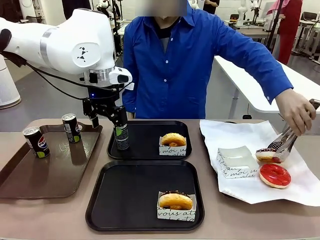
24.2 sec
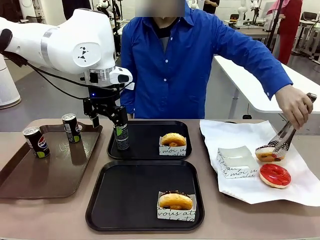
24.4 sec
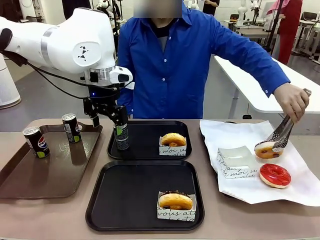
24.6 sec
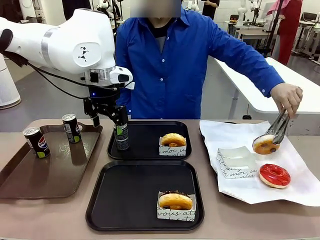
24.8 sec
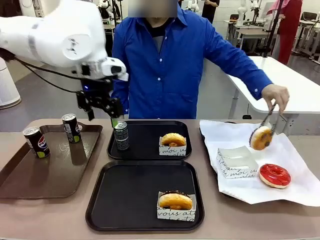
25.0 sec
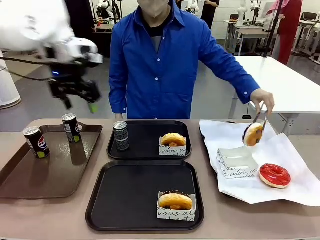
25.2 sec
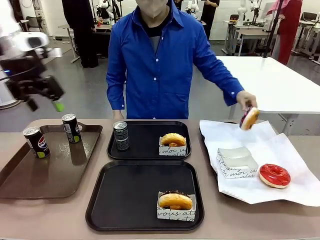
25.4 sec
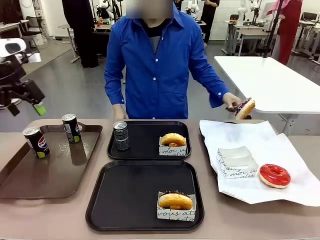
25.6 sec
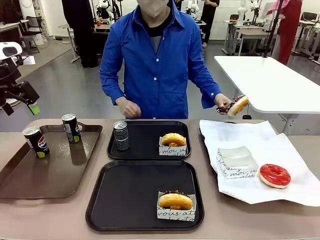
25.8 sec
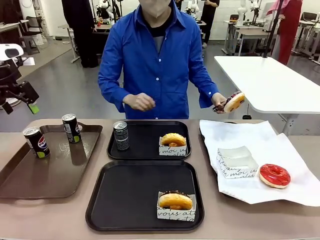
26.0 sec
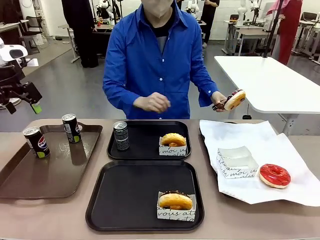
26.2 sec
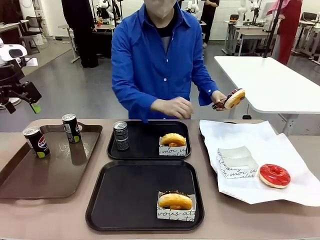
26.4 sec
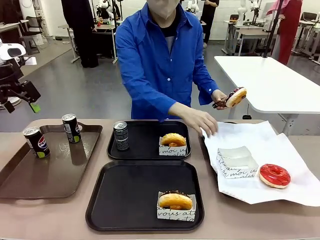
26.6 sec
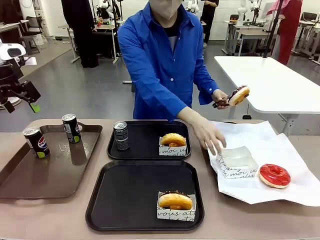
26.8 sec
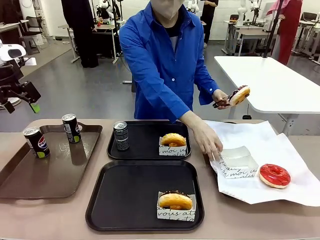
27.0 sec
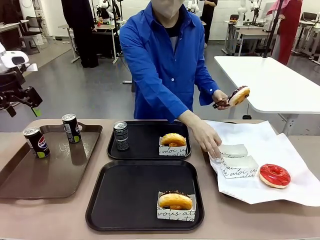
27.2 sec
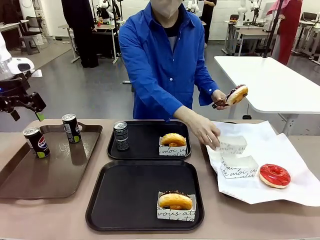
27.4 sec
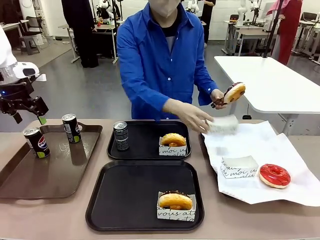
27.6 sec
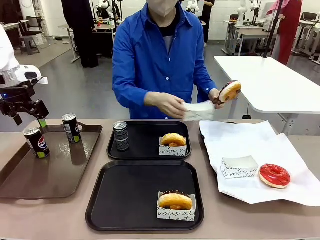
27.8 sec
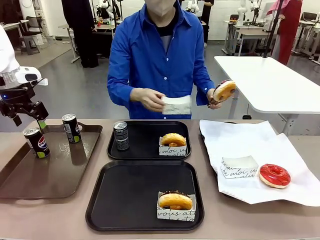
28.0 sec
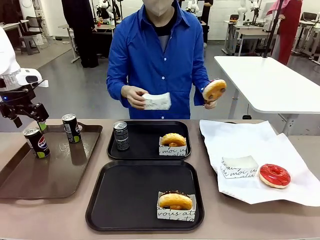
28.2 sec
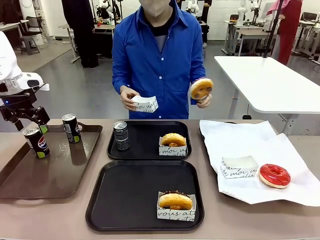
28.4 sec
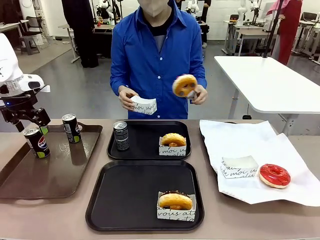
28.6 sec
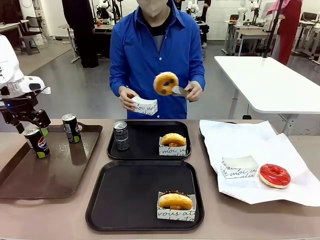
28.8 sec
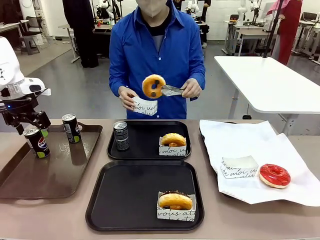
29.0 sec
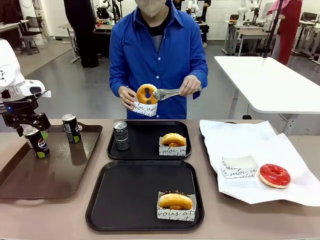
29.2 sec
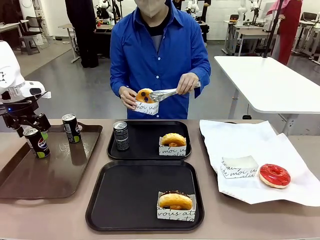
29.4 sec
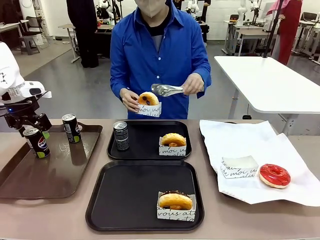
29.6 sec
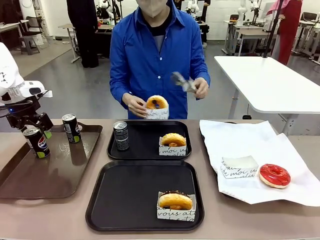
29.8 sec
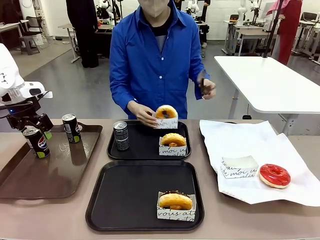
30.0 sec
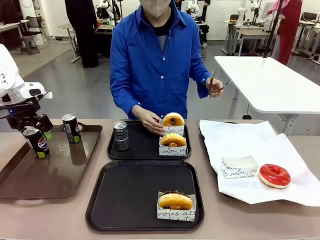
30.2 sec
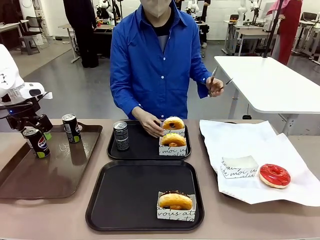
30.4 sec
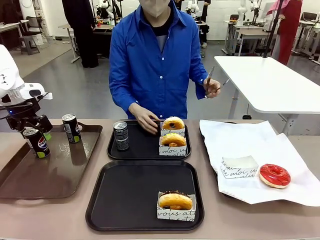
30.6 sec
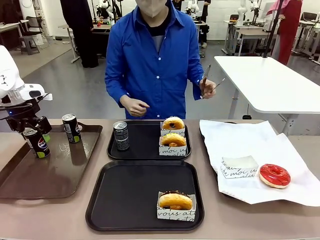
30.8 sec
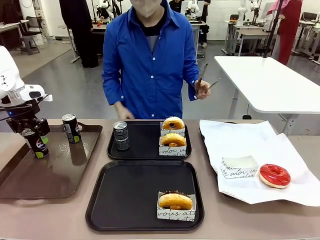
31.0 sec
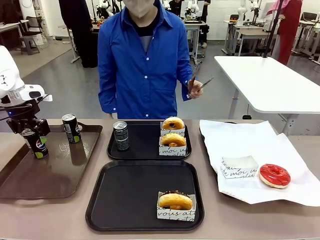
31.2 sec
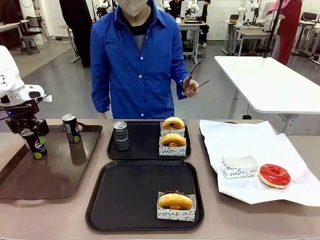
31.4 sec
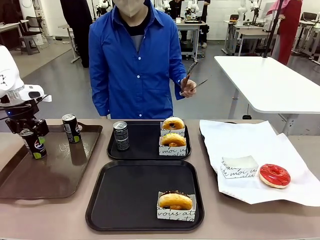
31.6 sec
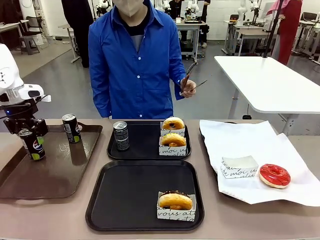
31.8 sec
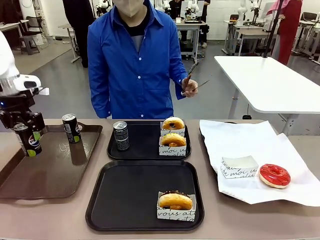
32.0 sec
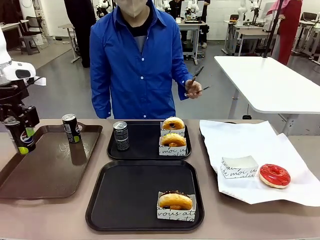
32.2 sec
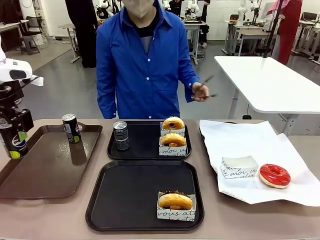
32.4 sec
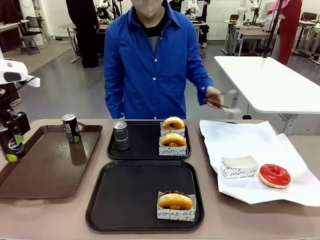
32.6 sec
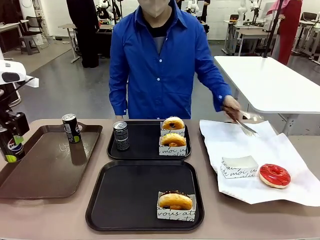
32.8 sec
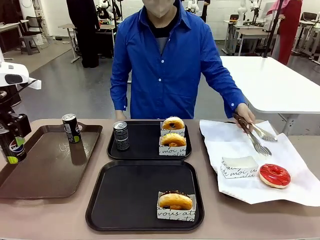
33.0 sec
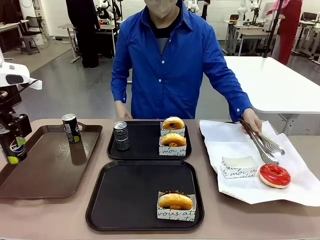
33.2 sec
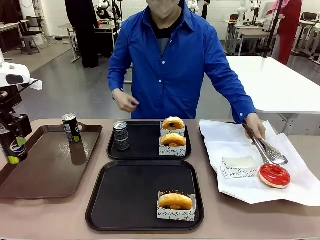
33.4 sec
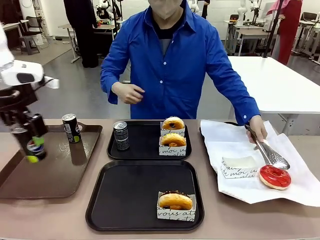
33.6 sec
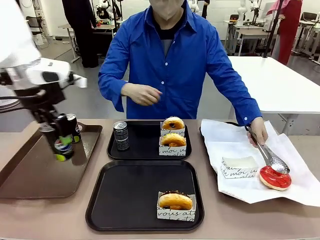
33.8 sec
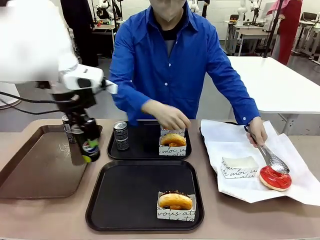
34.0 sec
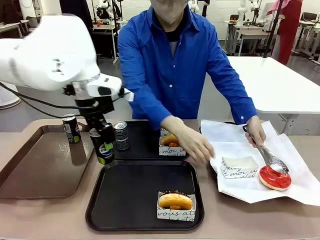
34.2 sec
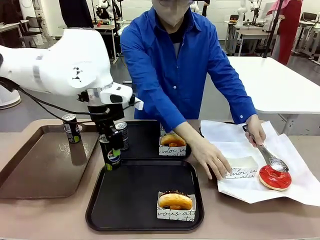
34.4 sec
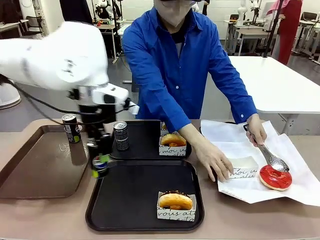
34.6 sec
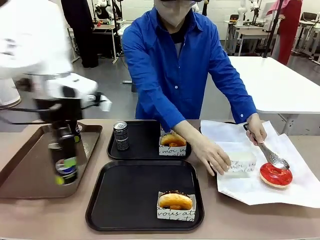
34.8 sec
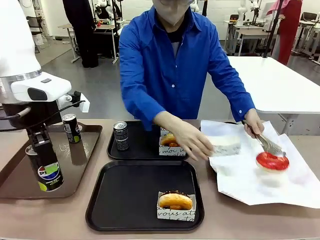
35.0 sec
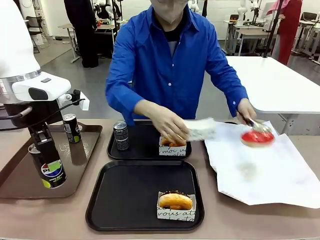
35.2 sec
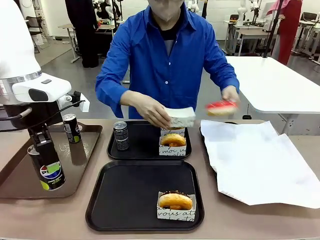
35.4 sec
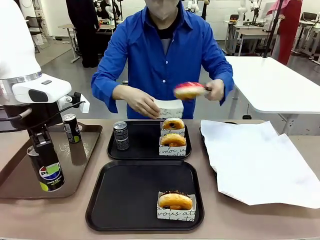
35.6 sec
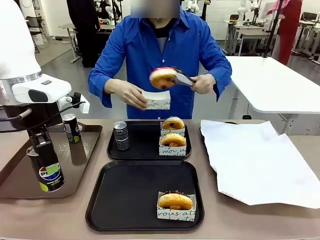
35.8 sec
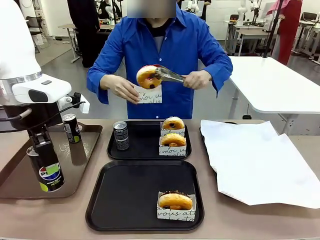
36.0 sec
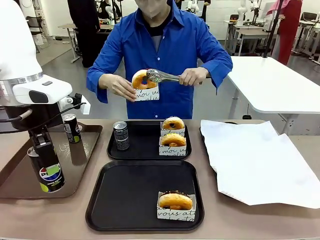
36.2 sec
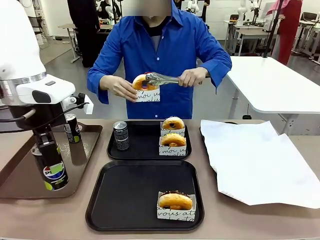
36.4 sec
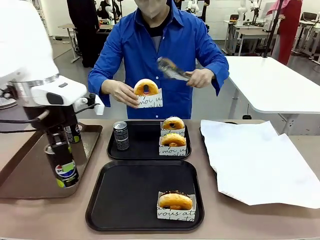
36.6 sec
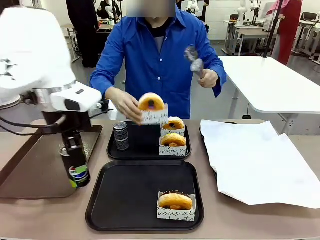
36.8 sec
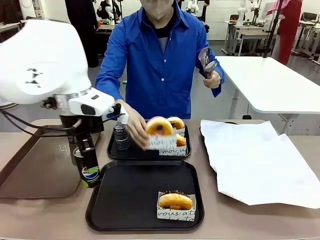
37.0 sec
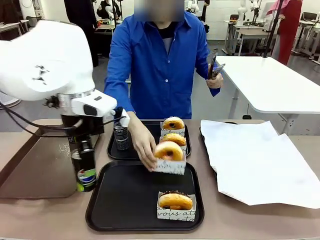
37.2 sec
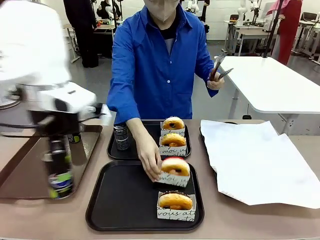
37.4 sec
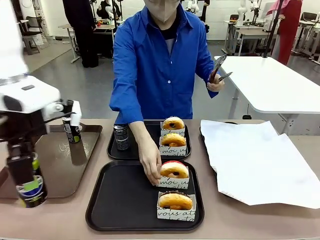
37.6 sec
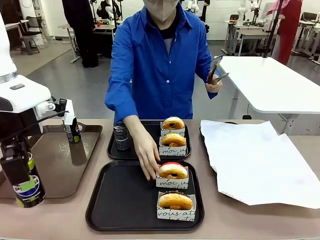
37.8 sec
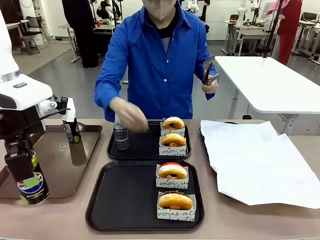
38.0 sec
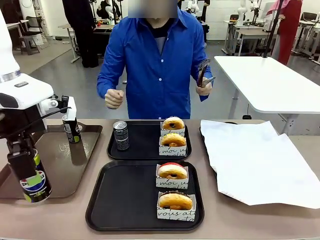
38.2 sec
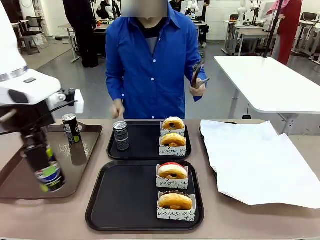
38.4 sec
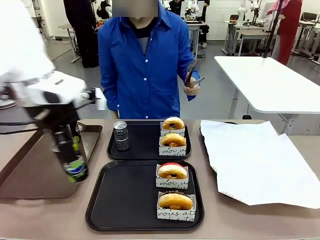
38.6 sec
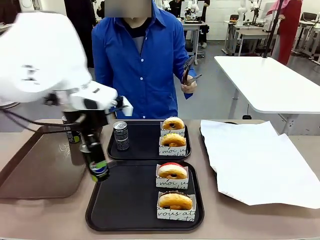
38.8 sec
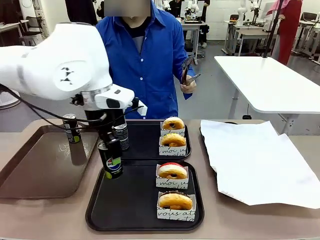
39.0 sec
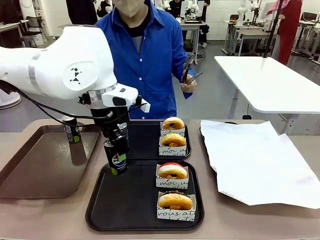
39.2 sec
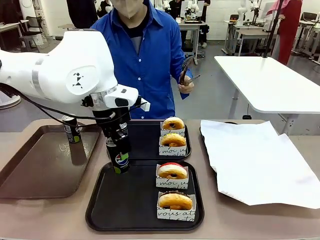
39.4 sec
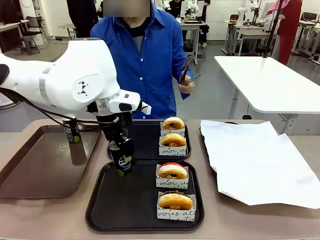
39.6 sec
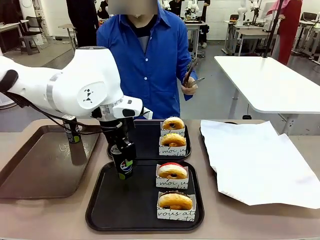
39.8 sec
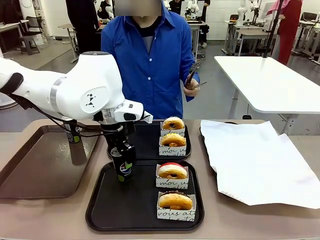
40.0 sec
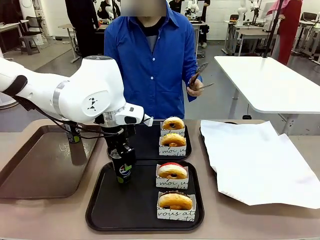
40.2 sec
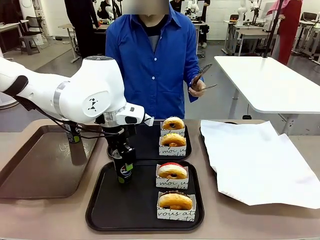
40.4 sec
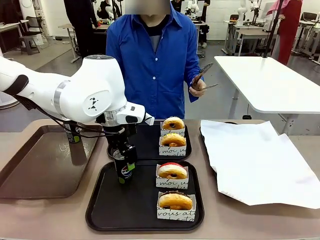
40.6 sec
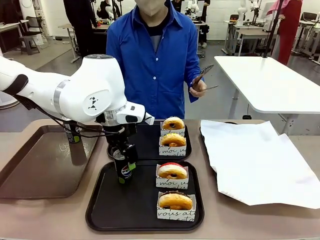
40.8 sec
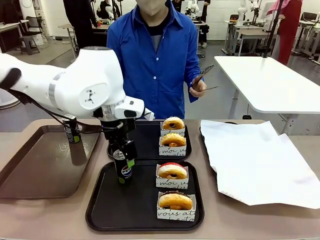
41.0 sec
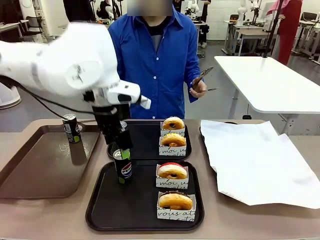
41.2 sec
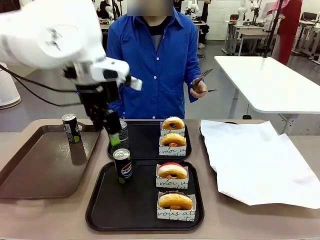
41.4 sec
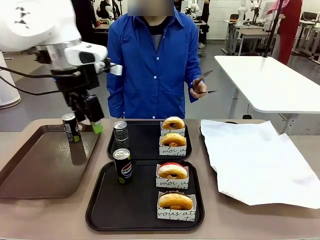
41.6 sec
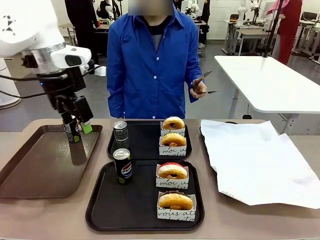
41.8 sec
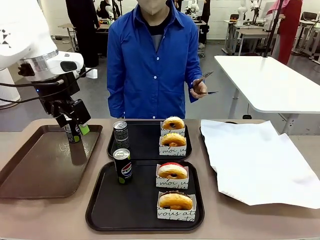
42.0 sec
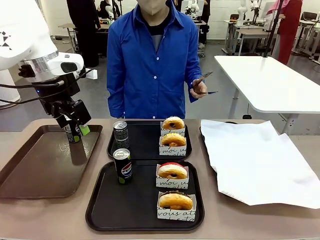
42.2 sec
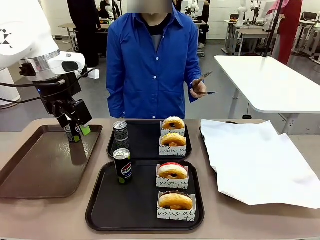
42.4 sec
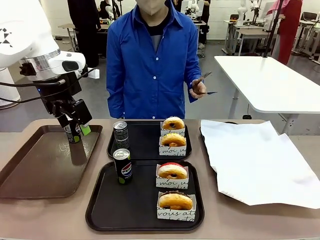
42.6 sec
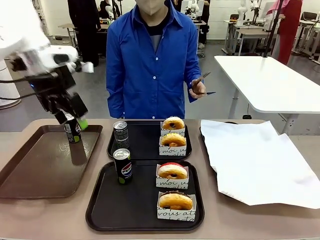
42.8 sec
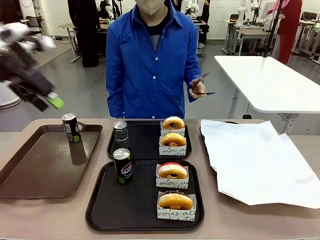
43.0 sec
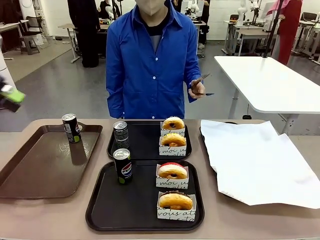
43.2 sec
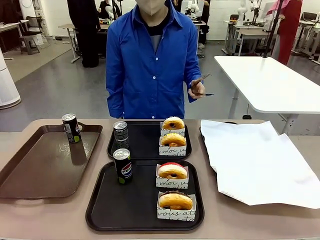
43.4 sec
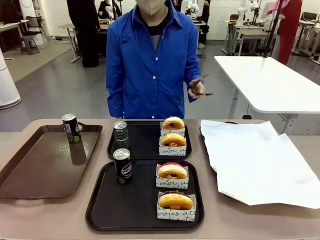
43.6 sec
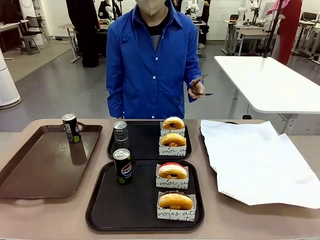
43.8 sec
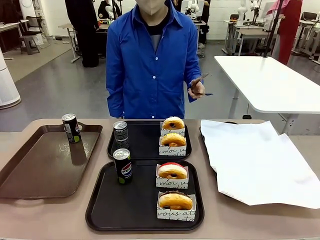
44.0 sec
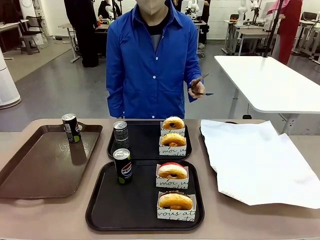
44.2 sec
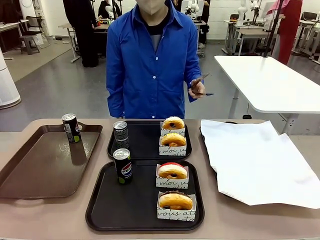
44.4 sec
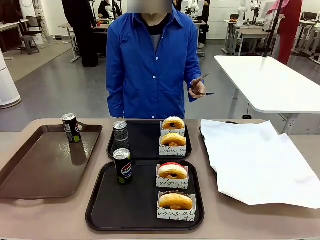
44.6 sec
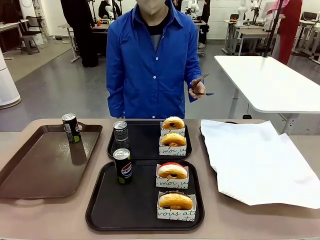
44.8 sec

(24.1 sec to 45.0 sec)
Task: Set up donuts and drinks on trays.
Robot: Pick up one Pepsi coke from the Handle tray and place it on the Flat Tray without a Pepsi coke.
